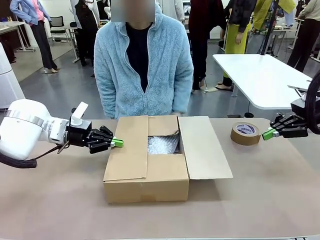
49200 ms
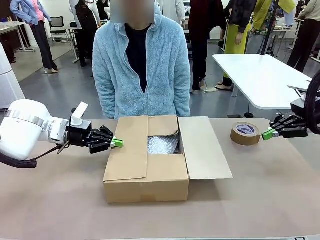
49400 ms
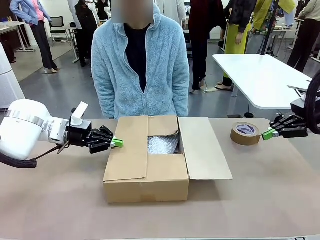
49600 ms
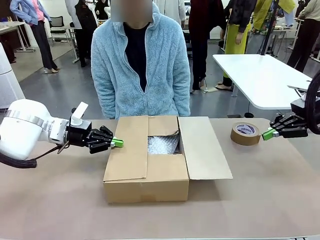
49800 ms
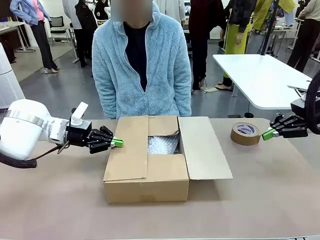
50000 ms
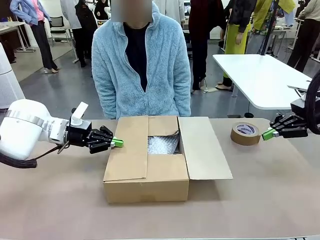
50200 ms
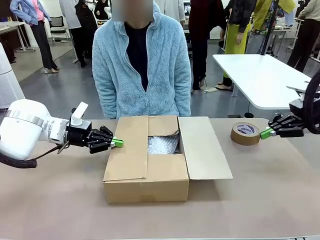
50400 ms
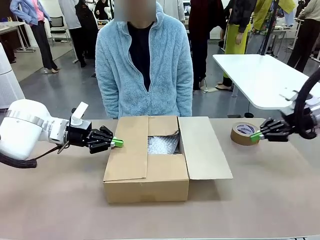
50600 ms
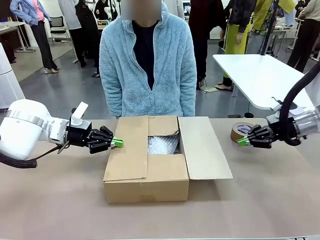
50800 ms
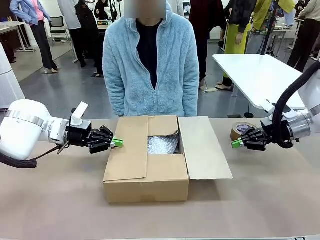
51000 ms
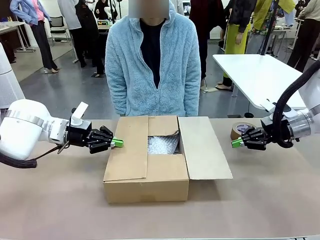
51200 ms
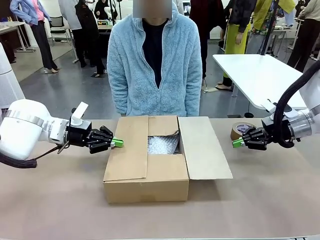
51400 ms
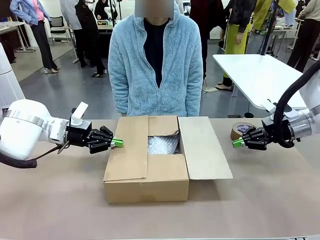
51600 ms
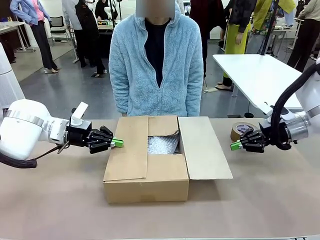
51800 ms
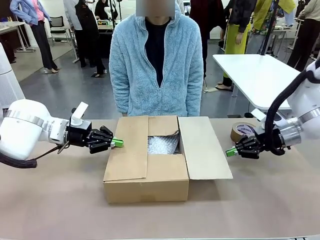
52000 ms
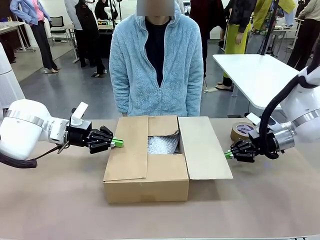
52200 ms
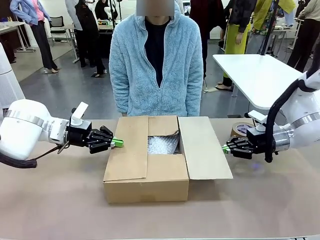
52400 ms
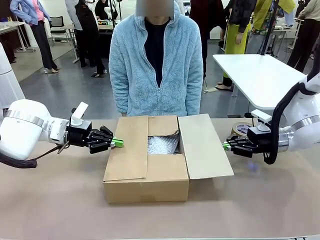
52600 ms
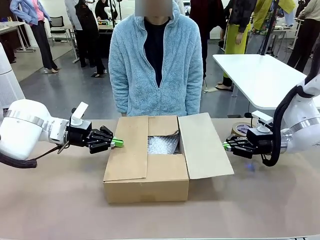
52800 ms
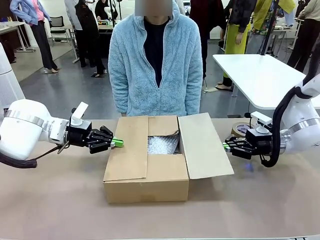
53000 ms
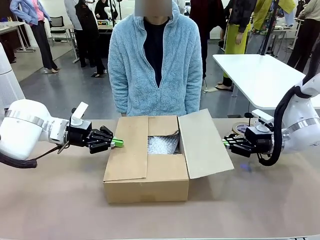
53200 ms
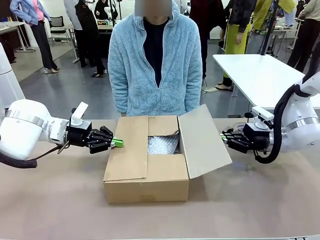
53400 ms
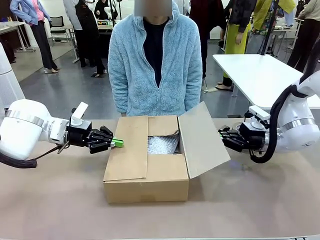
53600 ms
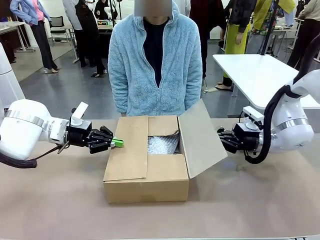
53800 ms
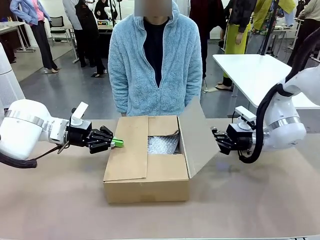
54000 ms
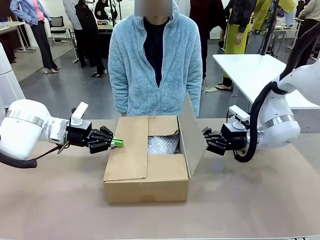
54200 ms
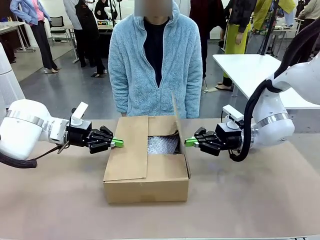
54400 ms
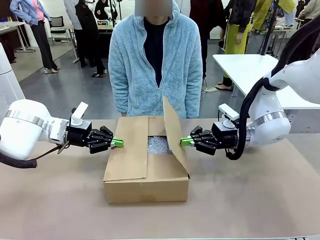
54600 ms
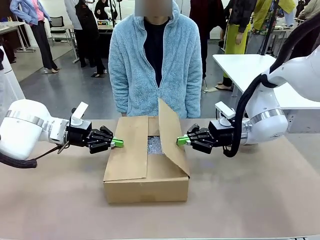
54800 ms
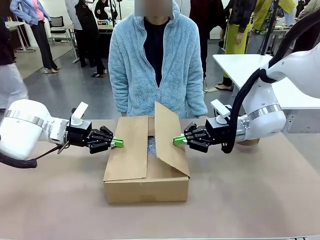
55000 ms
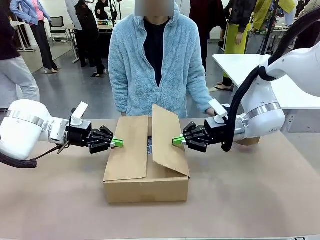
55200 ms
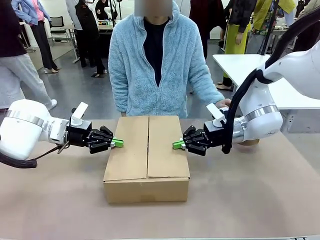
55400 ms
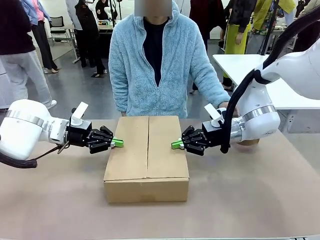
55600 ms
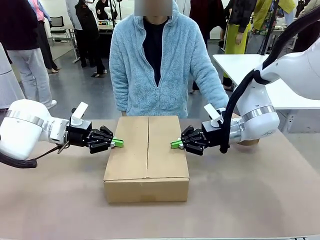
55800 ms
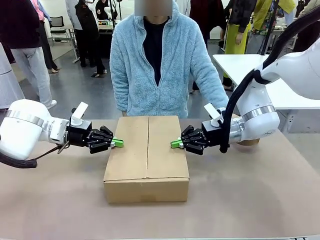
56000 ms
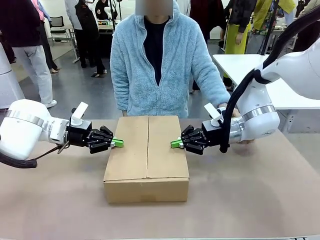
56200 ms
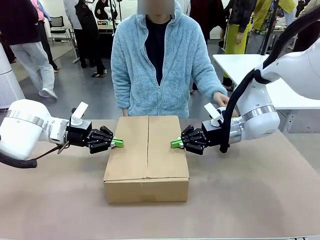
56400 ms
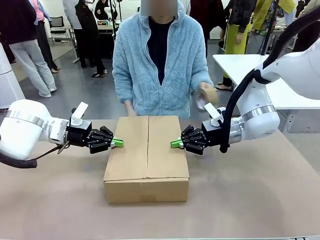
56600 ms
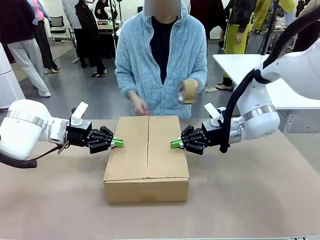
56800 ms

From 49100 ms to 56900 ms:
Task: Wrap the clocks to prevent damage.
Robot: Push the left (or right) flap of the Package Box to close it.

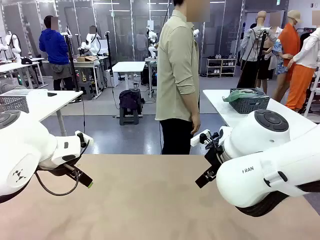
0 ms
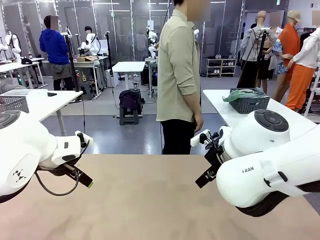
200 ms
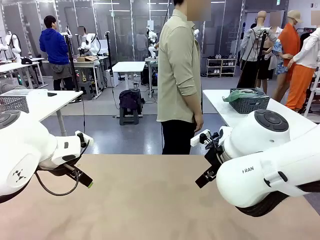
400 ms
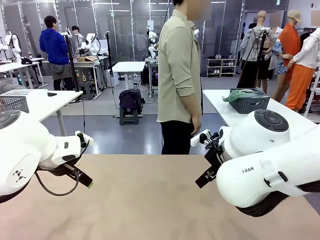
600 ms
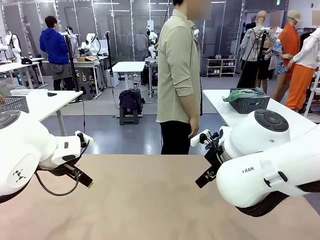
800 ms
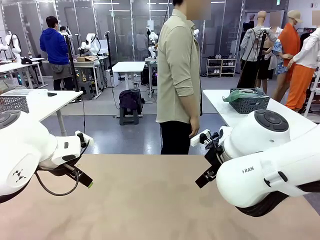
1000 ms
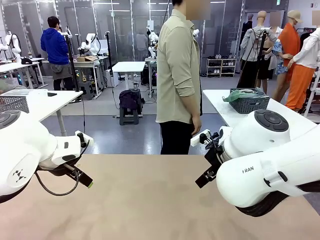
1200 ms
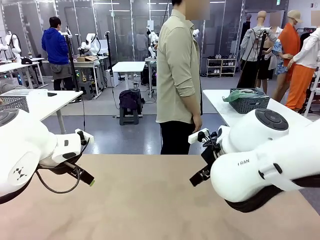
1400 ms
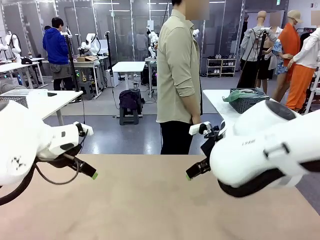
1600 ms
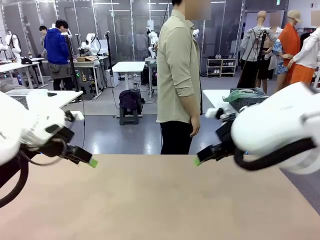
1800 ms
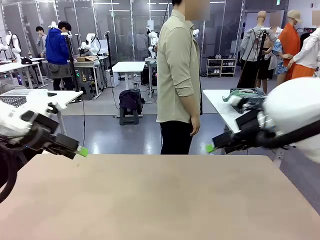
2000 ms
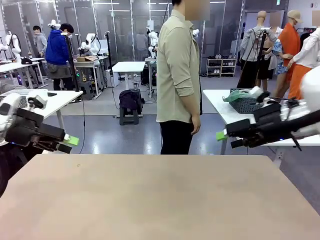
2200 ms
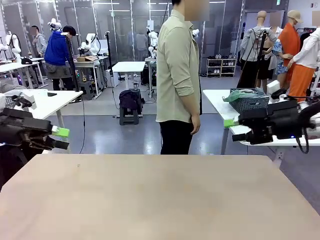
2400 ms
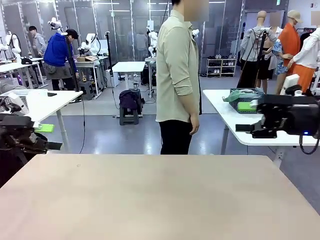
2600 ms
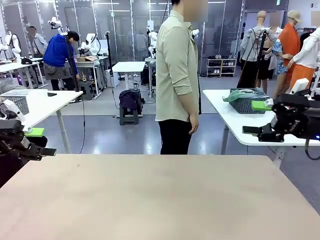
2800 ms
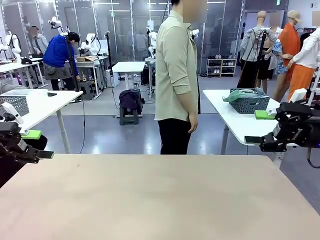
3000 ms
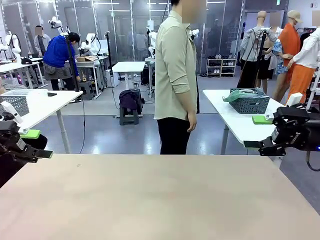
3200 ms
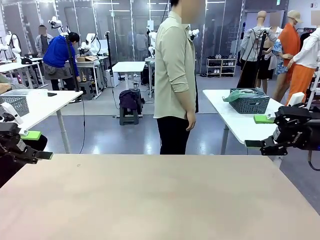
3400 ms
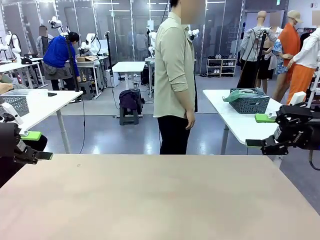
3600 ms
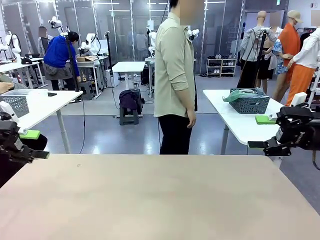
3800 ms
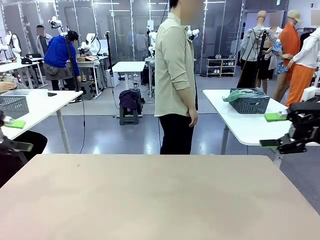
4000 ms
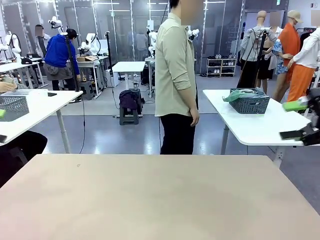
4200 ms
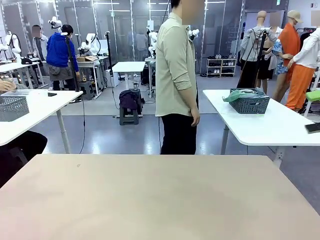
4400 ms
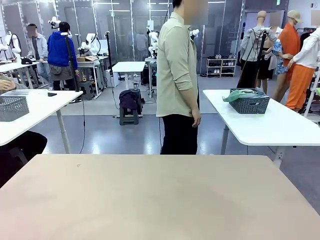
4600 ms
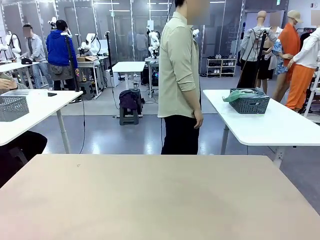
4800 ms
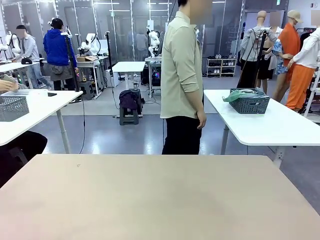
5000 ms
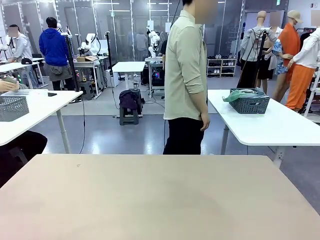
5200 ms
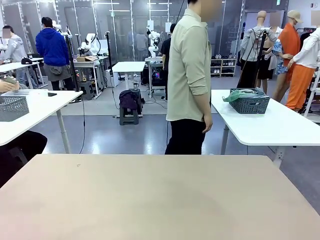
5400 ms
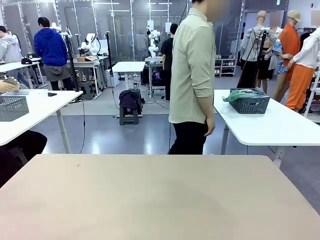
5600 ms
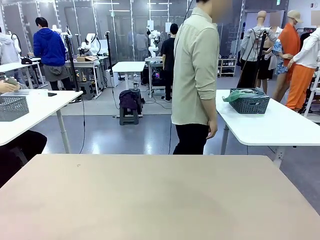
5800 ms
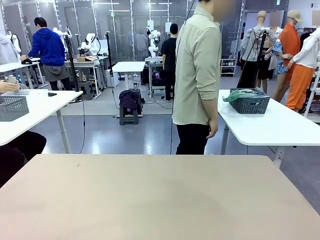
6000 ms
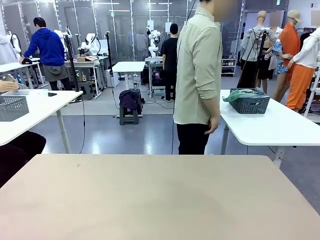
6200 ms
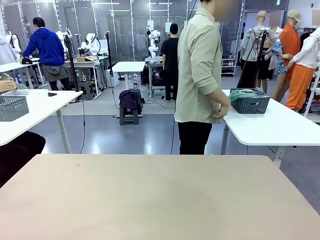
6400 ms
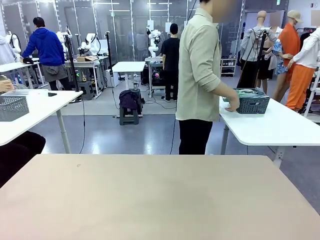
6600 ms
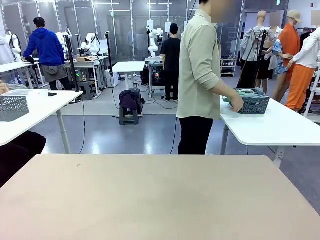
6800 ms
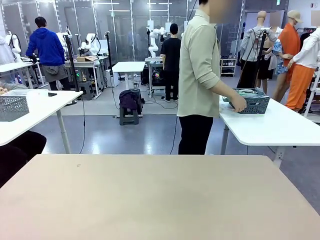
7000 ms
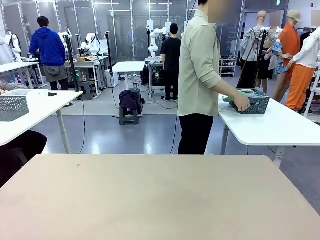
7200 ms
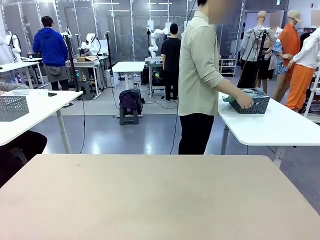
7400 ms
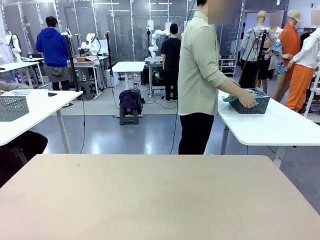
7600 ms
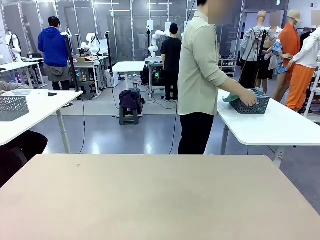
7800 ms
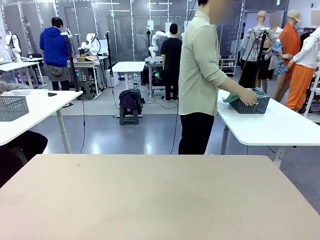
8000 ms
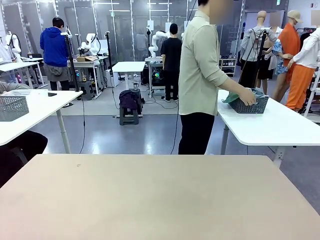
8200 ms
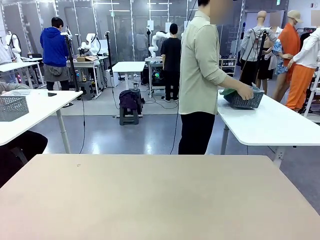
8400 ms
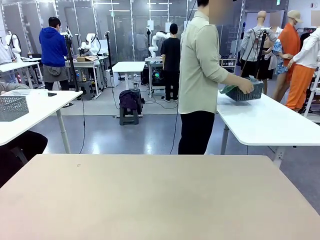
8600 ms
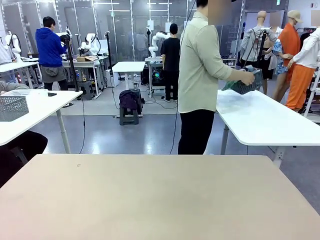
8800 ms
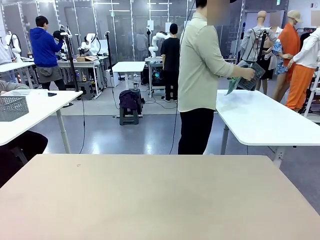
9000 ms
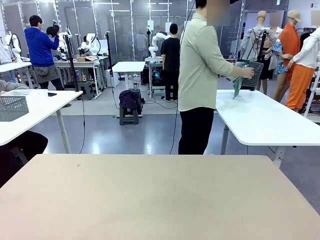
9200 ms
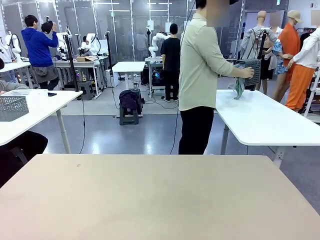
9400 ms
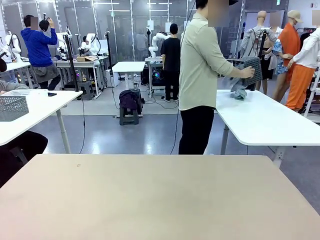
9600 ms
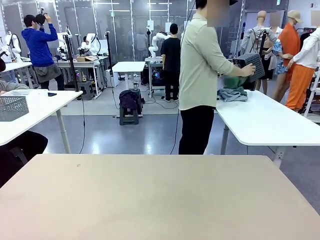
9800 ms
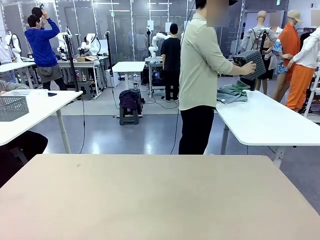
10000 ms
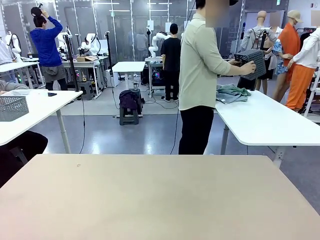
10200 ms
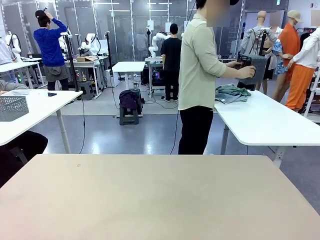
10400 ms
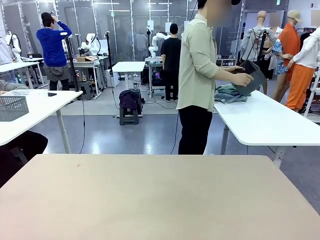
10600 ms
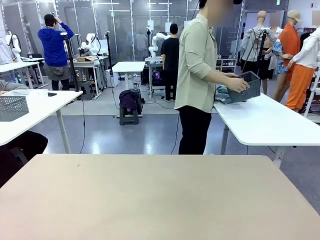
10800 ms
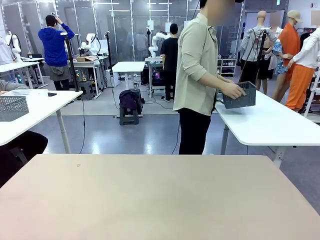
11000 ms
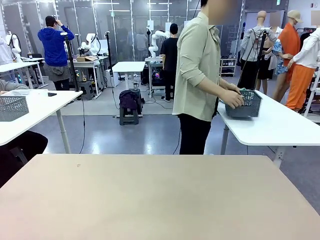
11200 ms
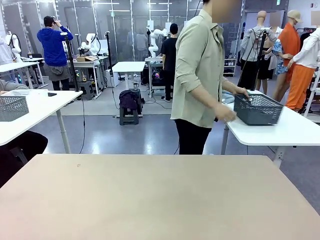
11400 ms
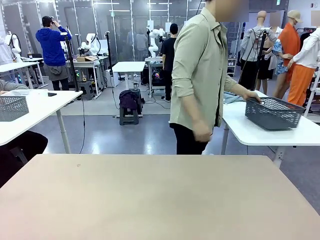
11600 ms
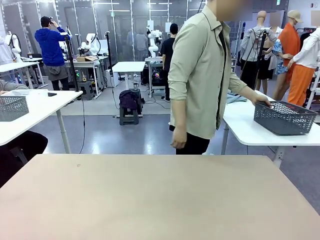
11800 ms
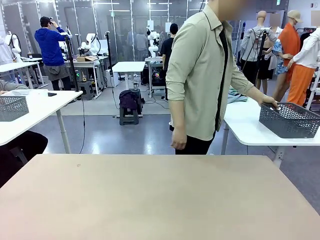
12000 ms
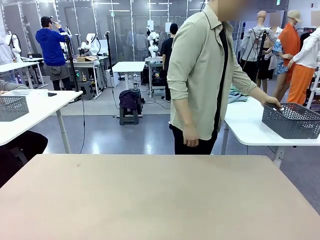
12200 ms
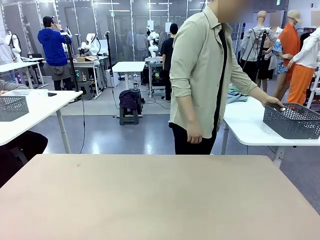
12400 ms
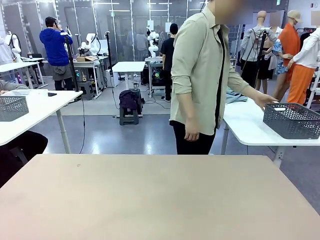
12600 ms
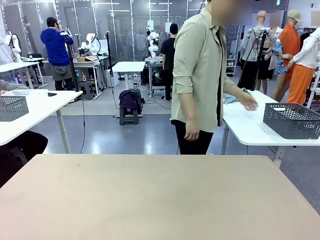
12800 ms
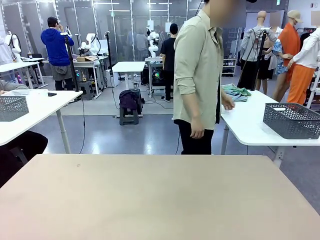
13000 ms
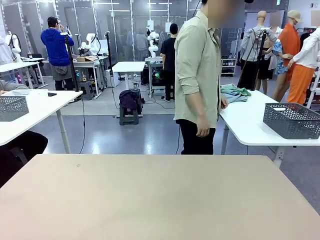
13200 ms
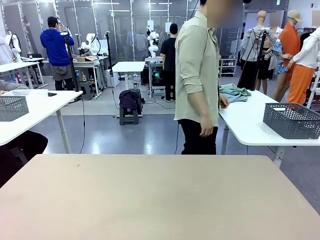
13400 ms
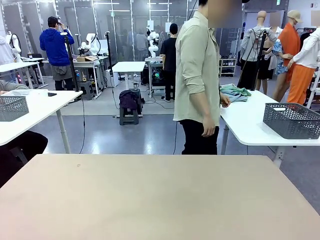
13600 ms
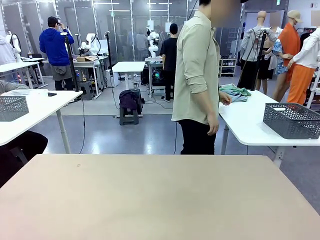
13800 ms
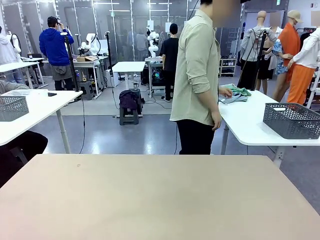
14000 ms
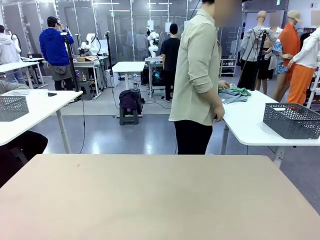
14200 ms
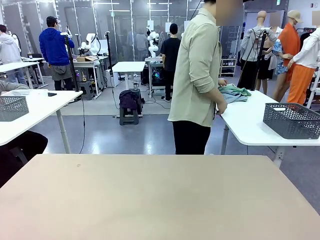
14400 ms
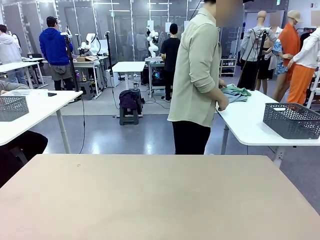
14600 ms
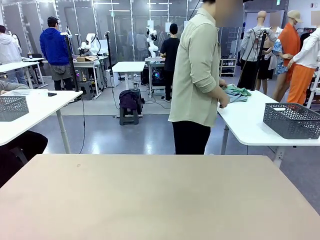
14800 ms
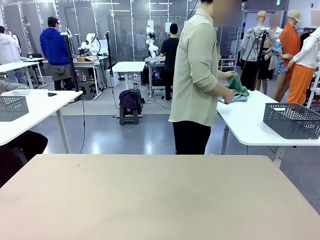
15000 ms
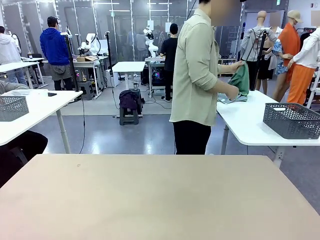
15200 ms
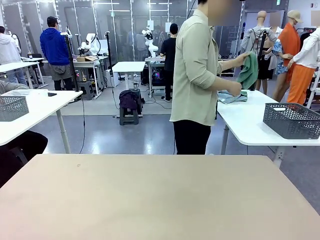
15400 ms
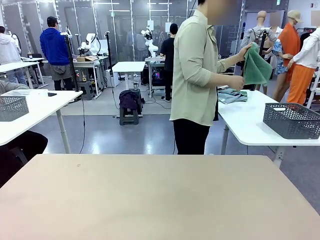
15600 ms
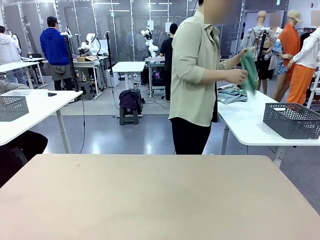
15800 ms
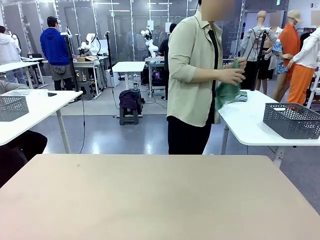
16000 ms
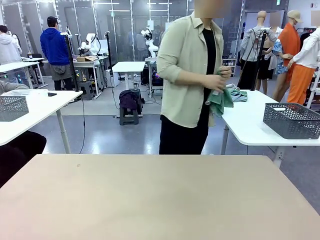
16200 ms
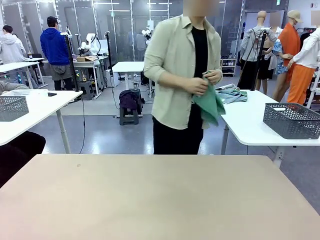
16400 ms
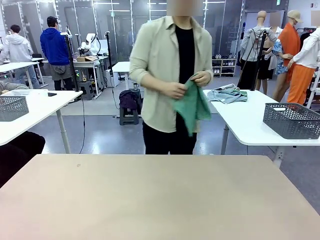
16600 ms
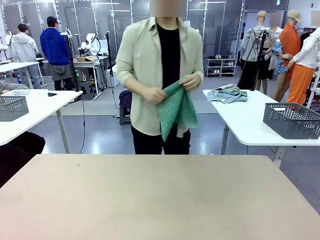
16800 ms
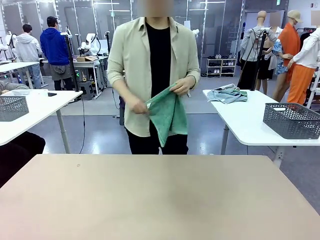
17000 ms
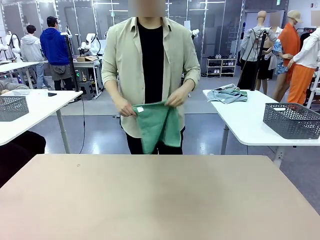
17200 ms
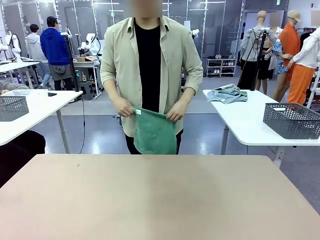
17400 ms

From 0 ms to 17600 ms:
Task: Fold the towels and place them in the basket.
Robot: When a person lays out a Towel with hook on the table, fold it in half twice.
Person: Pick up the basket, pour the towels onto the left side of the human table, and place the basket on the right side. Pick up one towel and spread it out at the center of the robot table.
